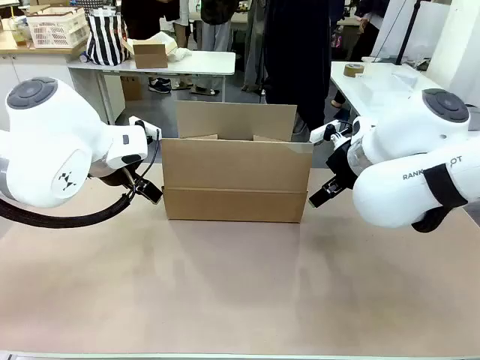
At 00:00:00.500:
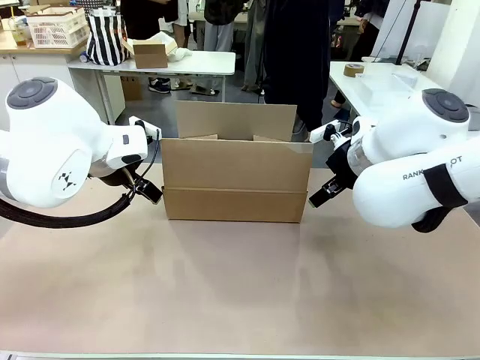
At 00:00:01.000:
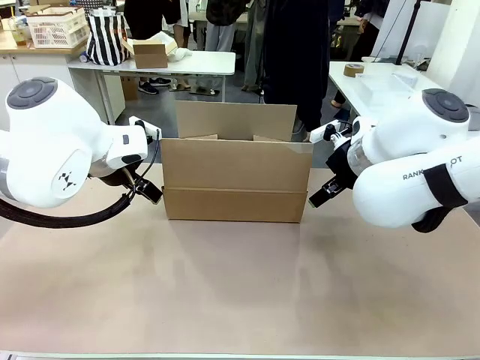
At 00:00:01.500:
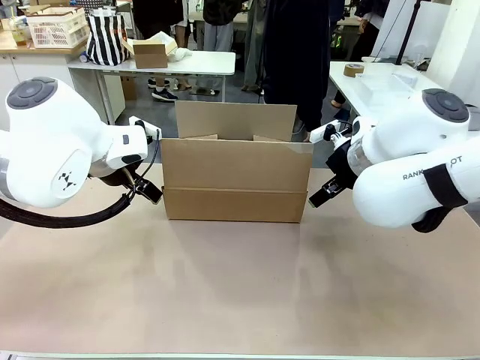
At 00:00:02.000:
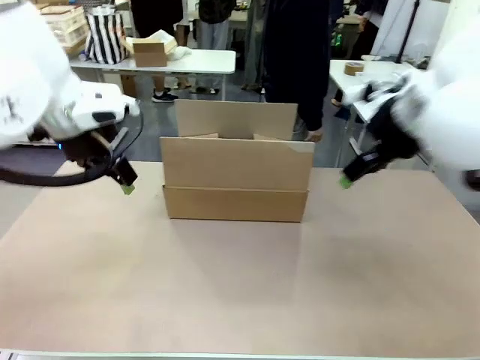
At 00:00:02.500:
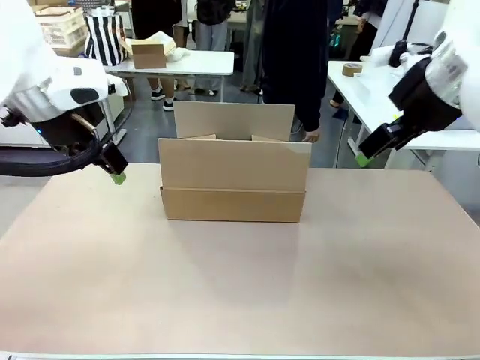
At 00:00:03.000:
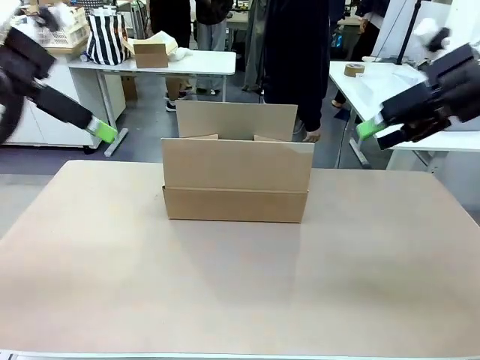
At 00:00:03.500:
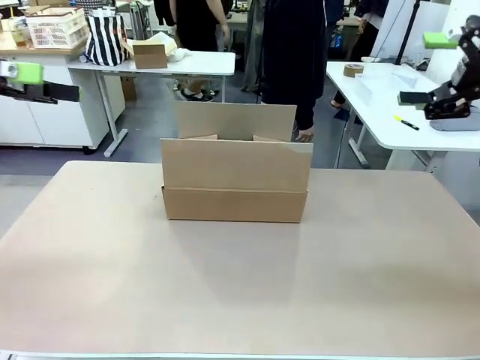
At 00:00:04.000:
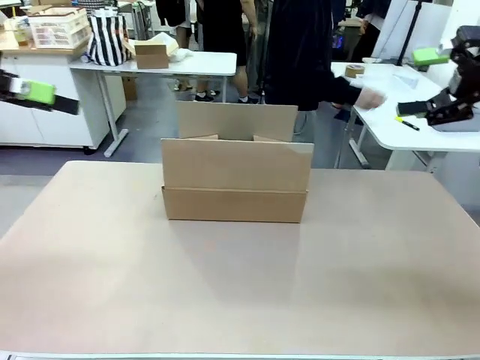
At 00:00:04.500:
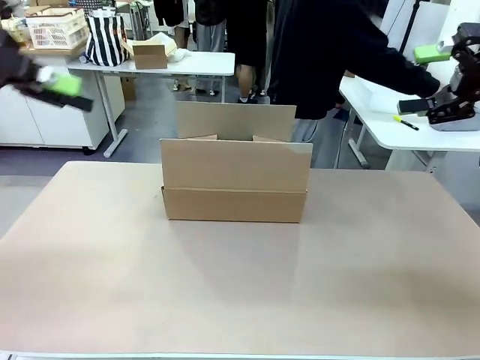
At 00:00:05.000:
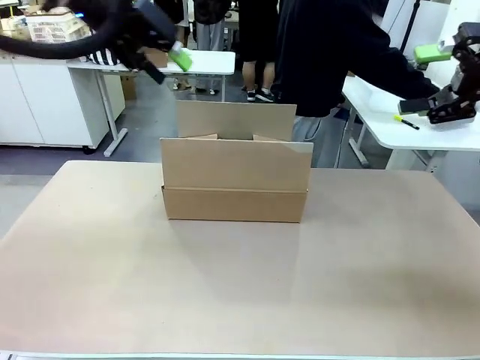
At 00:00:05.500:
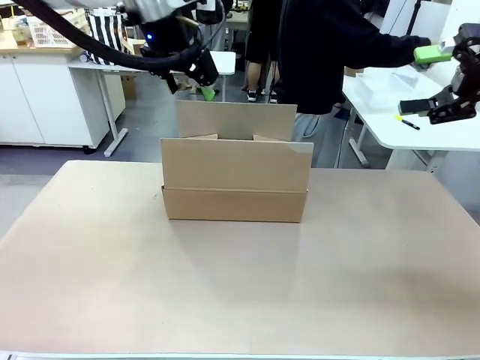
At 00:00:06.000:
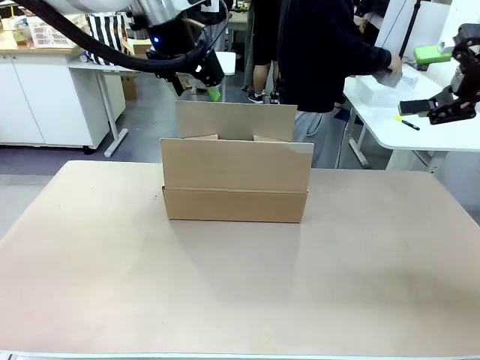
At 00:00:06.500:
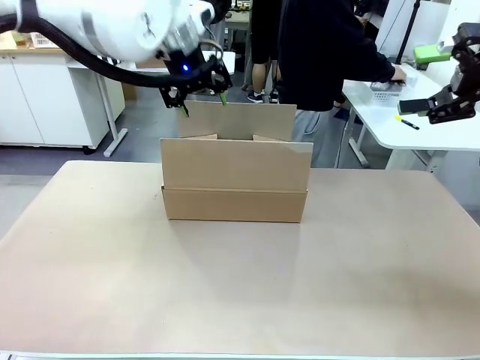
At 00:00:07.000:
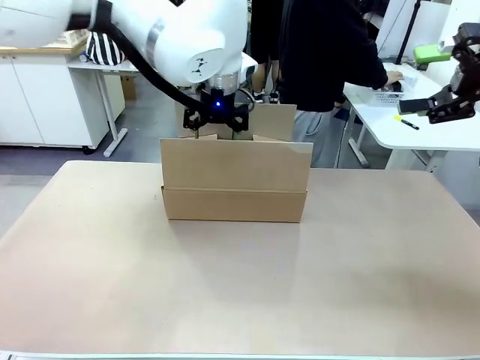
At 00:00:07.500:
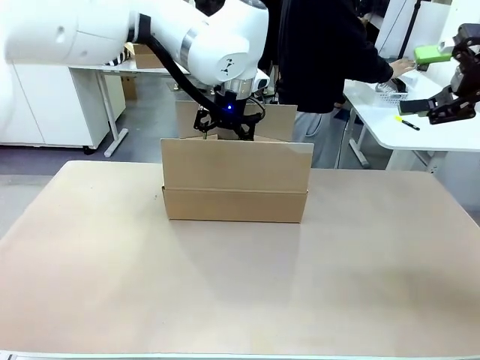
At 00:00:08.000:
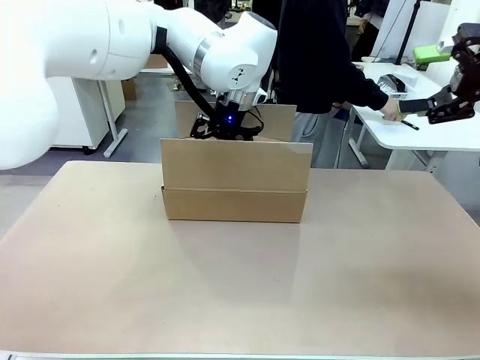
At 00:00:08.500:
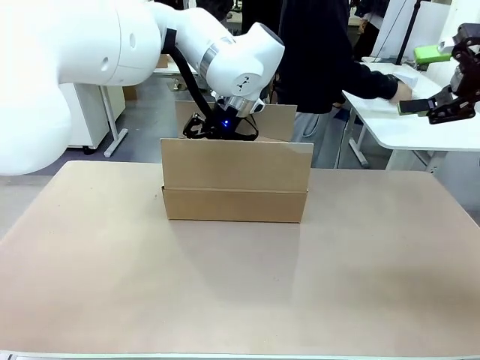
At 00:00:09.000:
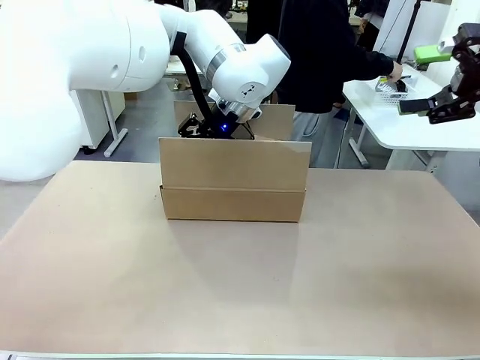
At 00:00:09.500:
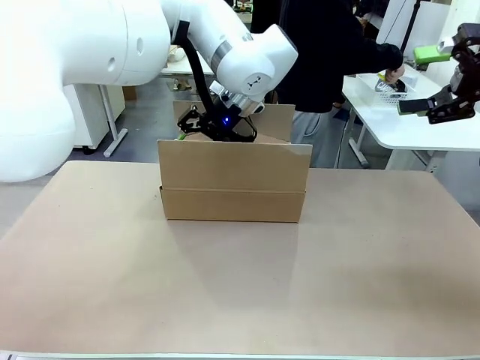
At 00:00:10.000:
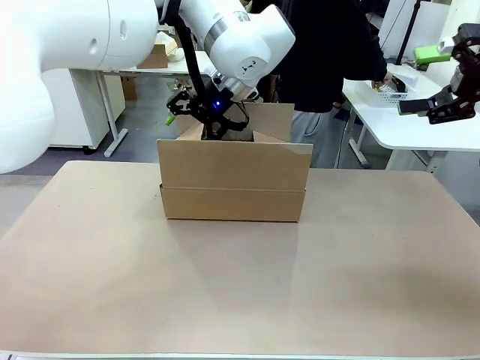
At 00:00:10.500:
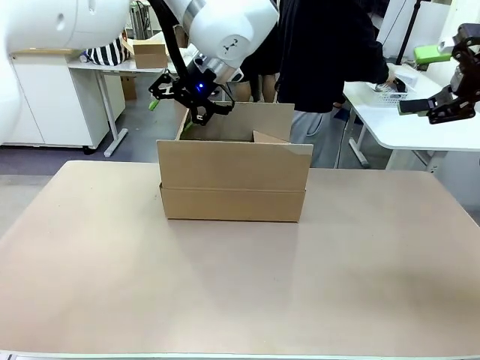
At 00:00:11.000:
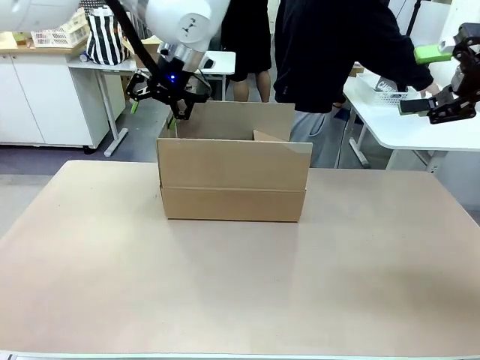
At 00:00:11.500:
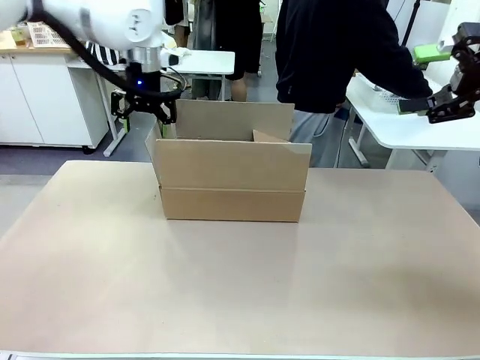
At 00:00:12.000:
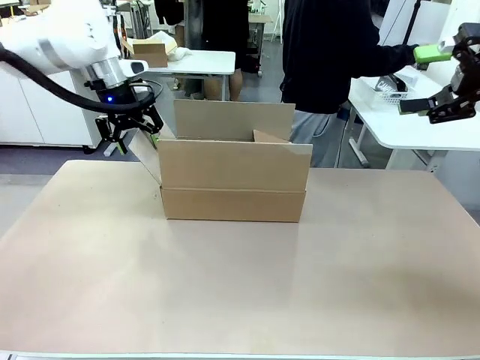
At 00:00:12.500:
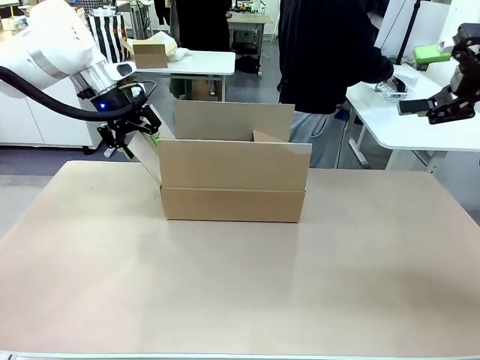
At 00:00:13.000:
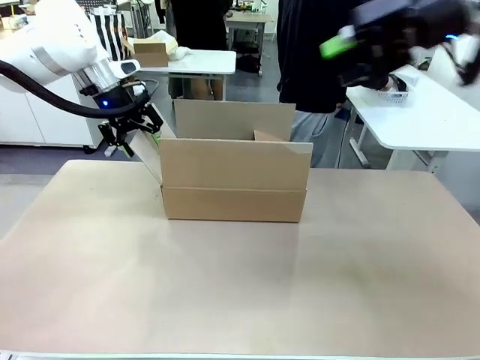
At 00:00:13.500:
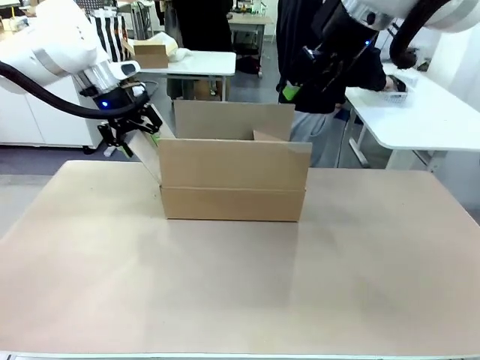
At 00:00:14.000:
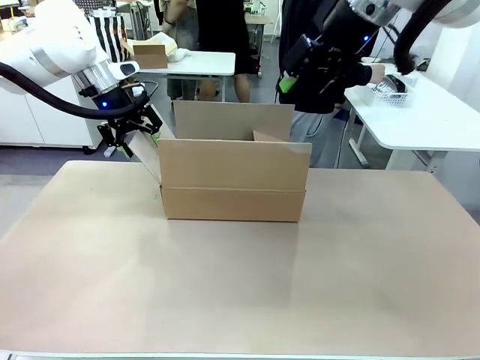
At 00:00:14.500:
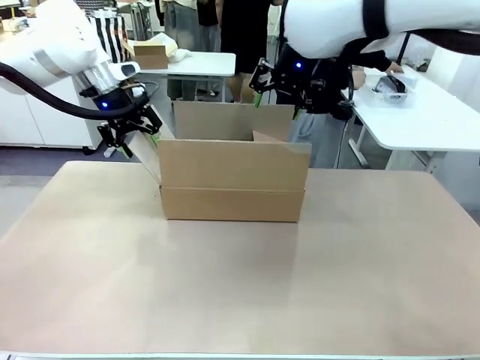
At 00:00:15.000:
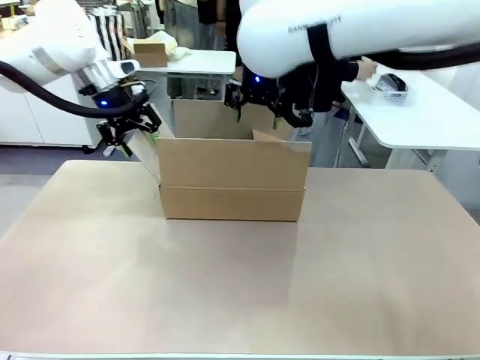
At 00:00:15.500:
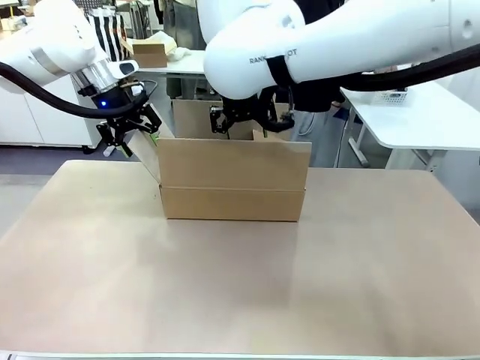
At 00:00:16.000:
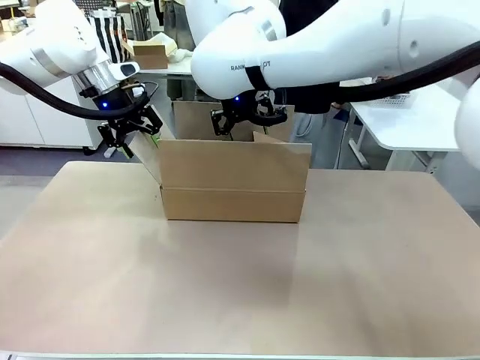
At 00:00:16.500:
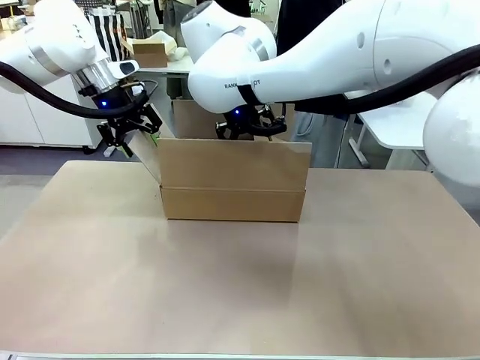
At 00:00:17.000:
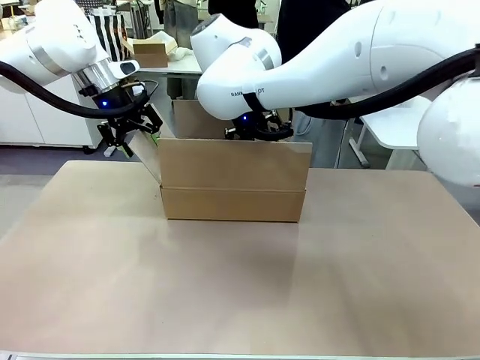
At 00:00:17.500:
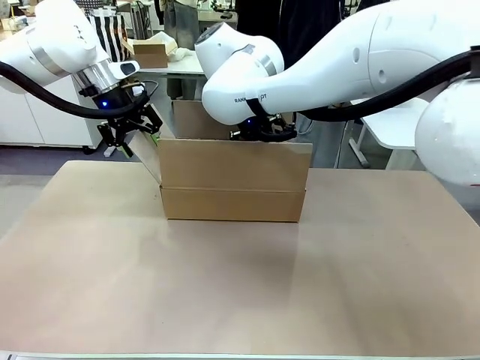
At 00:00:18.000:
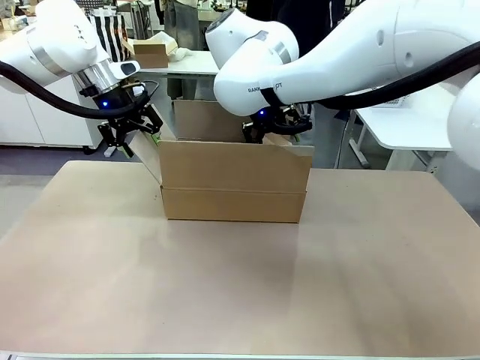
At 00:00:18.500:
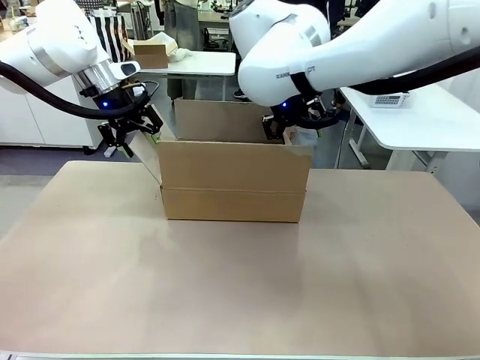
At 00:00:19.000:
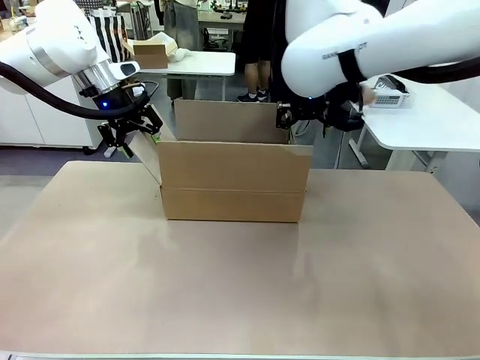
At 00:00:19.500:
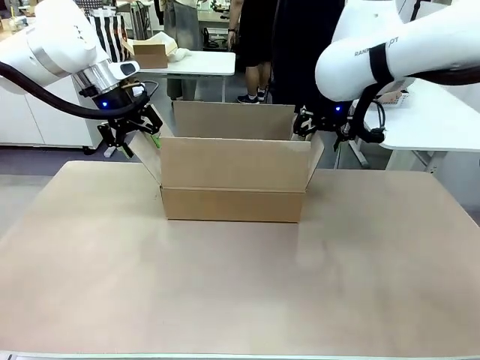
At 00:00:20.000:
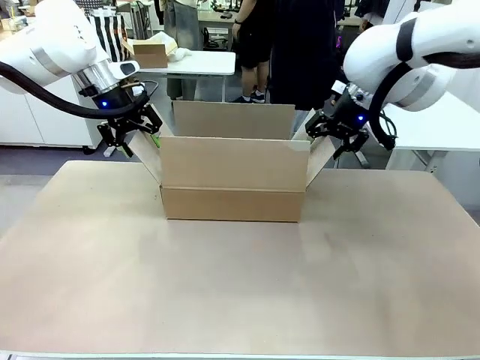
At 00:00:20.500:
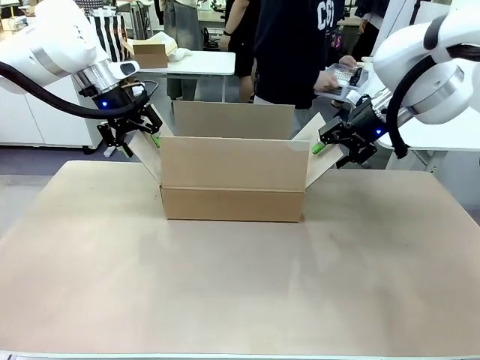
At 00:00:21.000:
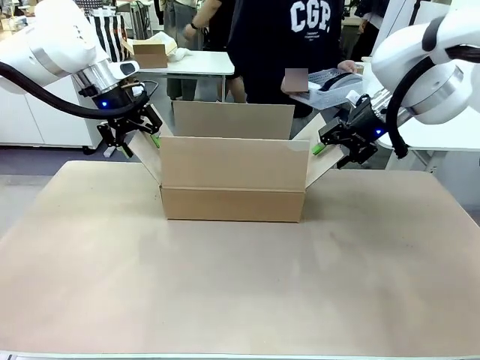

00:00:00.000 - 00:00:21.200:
Task: Pack the gift set into the box.
Robot: Place both hands on the side flaps of the Package Box and spread them outward.
Person: The human places all items except the paper tape into the organizing basket.

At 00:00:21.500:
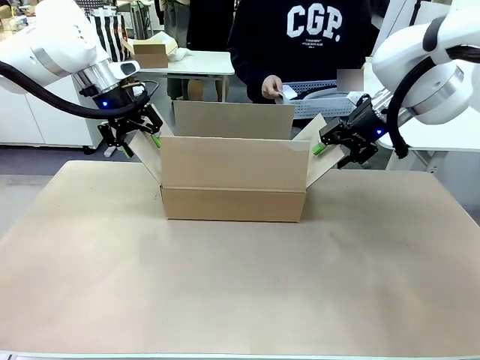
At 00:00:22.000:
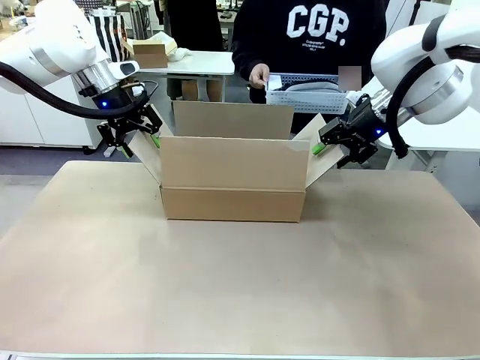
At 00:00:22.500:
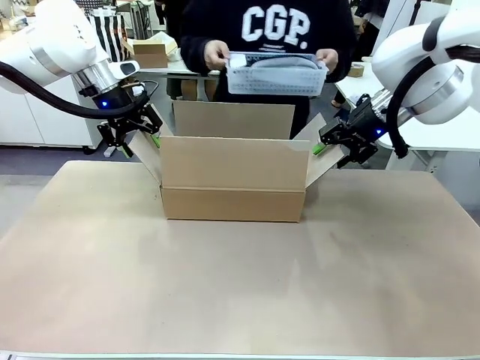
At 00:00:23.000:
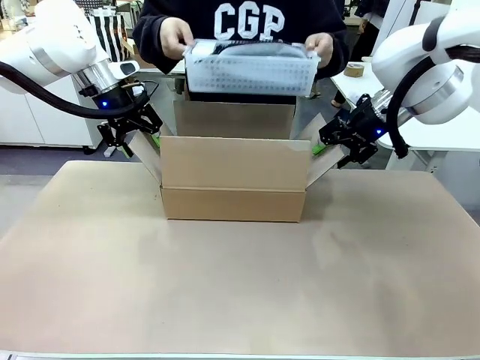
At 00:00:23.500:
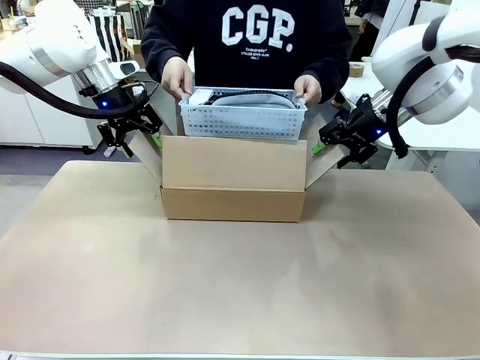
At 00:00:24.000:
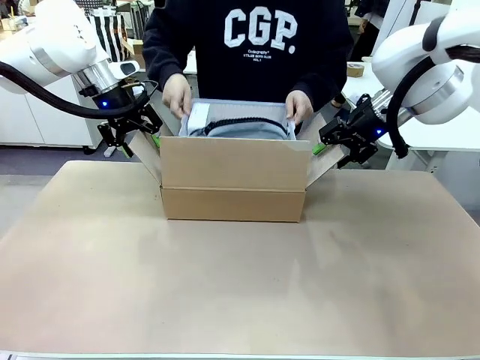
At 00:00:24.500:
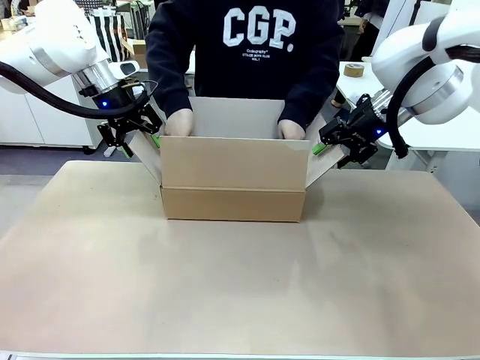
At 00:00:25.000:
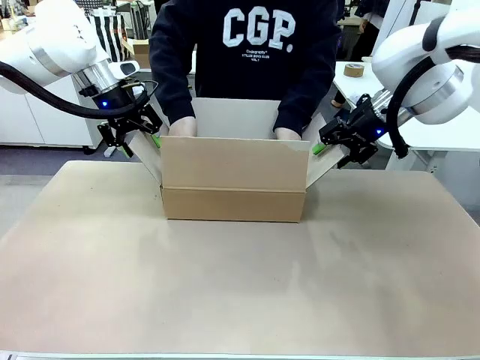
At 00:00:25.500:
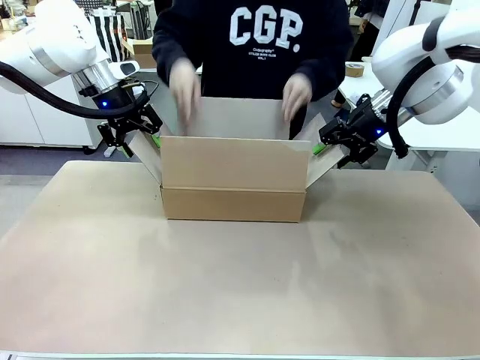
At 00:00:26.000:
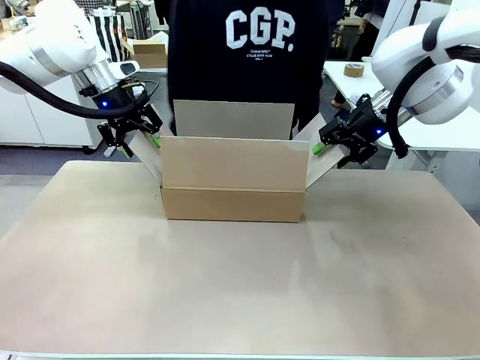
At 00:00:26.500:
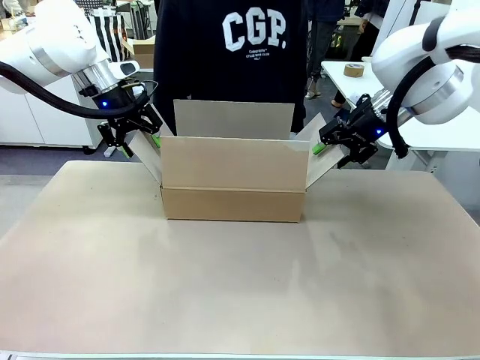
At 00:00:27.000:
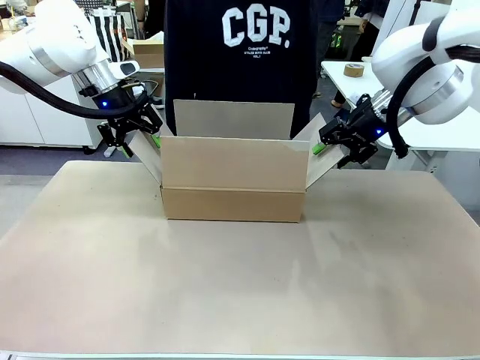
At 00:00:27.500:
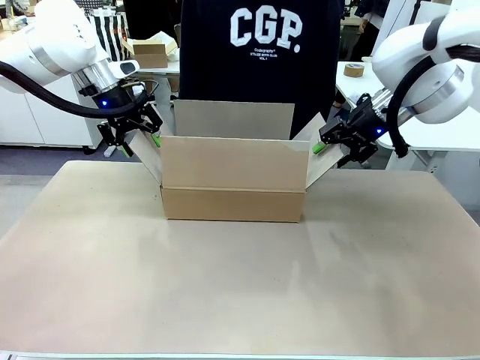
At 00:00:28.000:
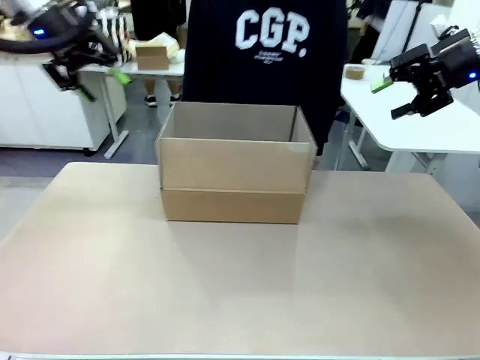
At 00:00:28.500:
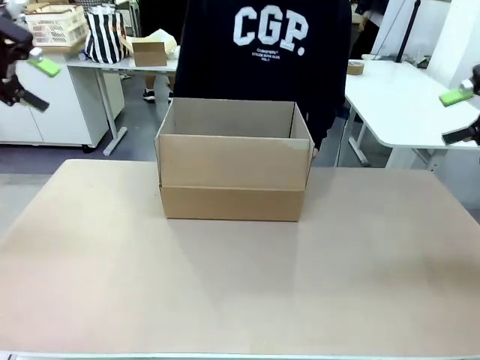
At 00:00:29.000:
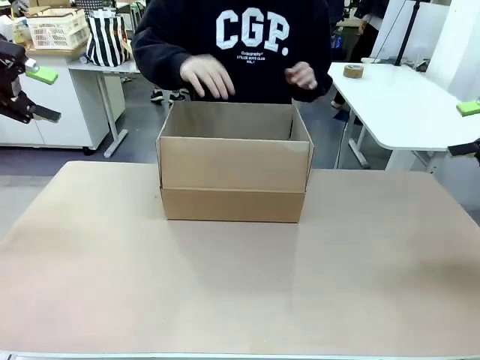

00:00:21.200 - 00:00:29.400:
Robot: Lift both hands away from the flaps of the Package Box.
Person: The human picks up the organizing basket and places the organizing basket into the package box on the robot table.
